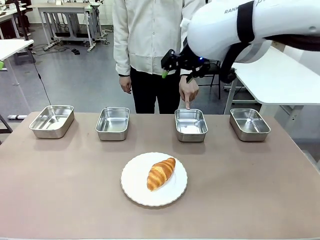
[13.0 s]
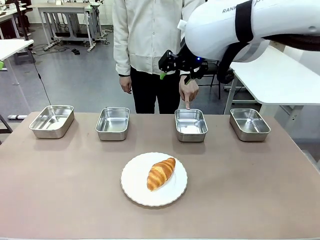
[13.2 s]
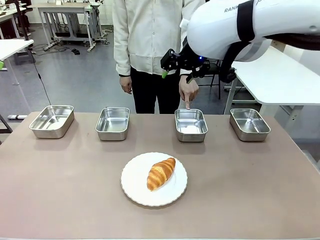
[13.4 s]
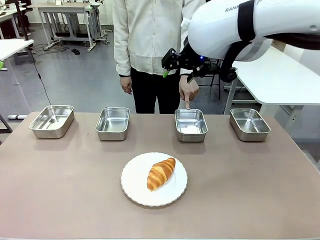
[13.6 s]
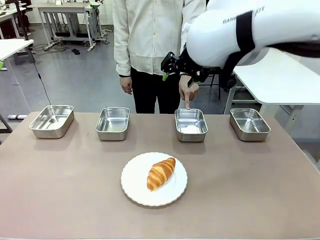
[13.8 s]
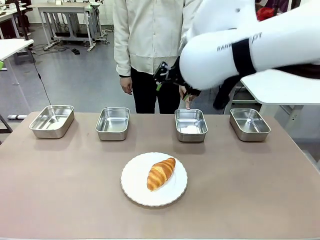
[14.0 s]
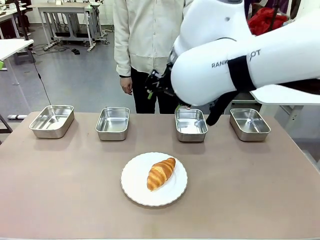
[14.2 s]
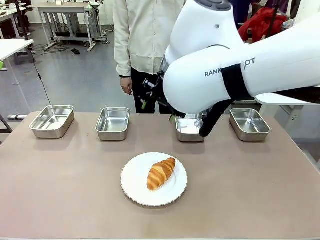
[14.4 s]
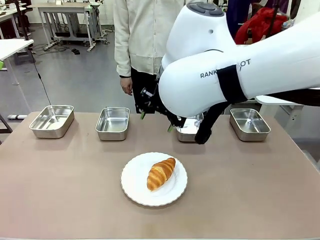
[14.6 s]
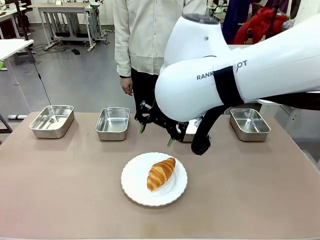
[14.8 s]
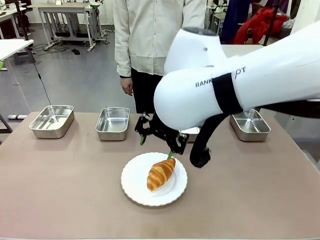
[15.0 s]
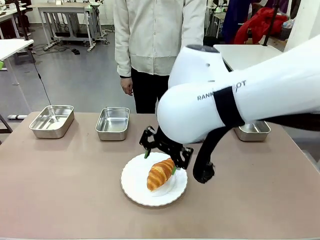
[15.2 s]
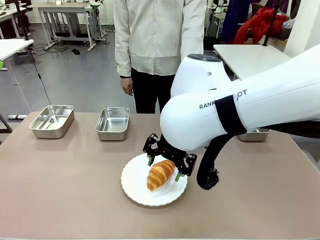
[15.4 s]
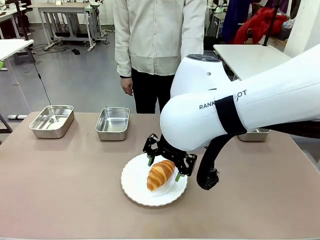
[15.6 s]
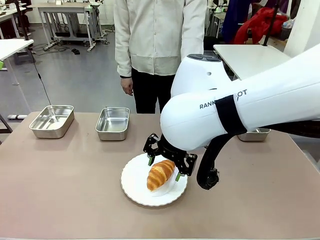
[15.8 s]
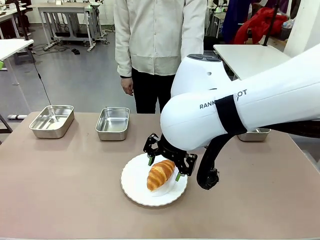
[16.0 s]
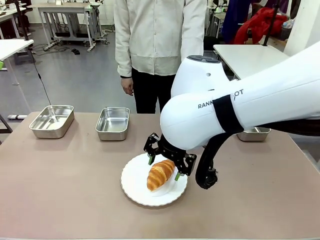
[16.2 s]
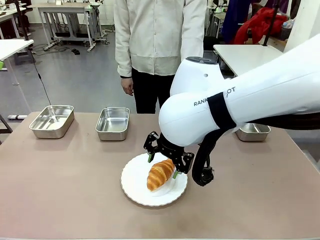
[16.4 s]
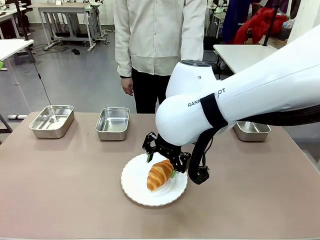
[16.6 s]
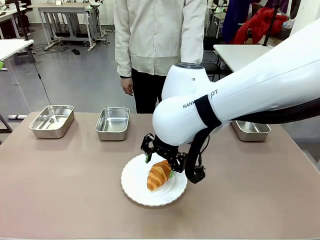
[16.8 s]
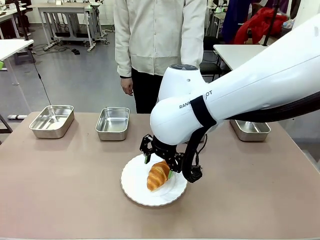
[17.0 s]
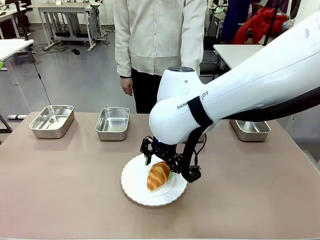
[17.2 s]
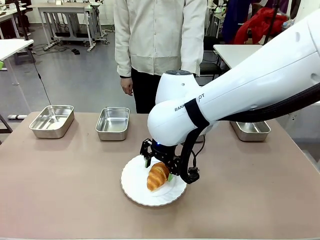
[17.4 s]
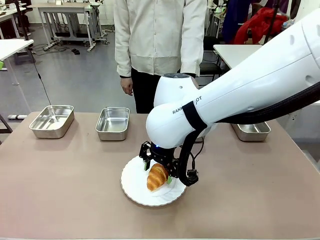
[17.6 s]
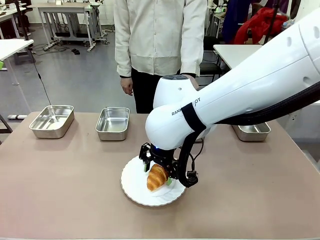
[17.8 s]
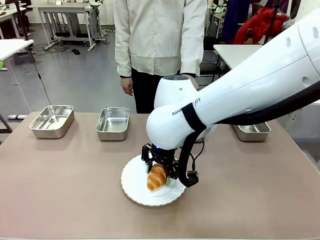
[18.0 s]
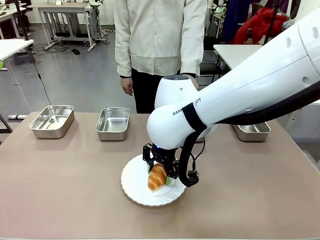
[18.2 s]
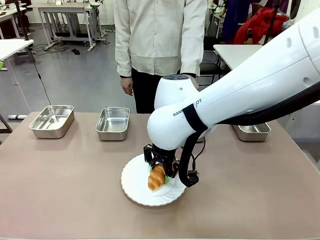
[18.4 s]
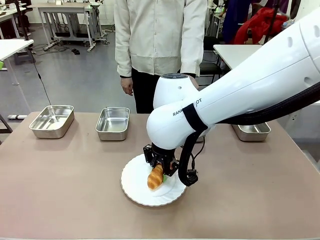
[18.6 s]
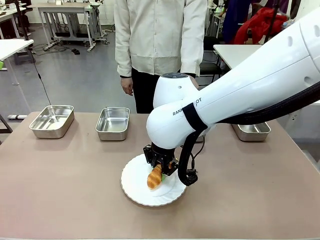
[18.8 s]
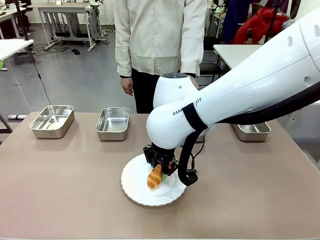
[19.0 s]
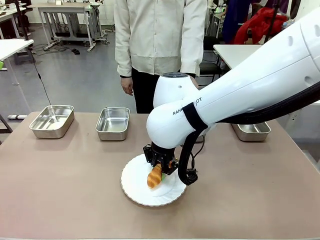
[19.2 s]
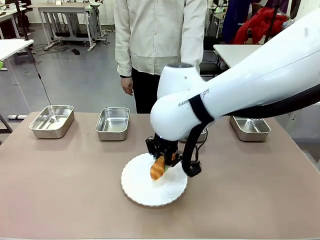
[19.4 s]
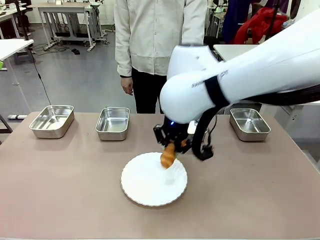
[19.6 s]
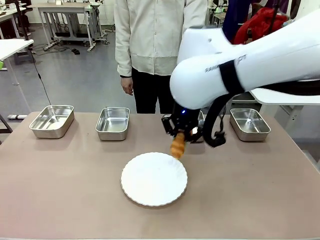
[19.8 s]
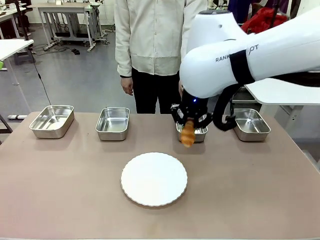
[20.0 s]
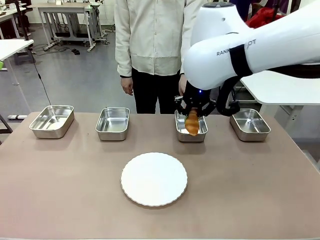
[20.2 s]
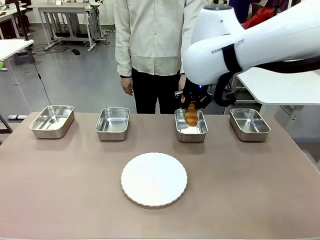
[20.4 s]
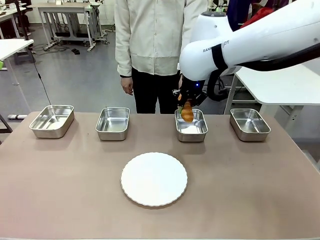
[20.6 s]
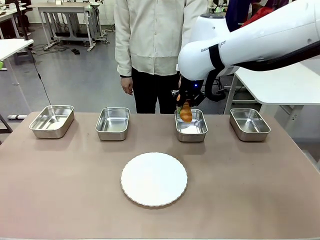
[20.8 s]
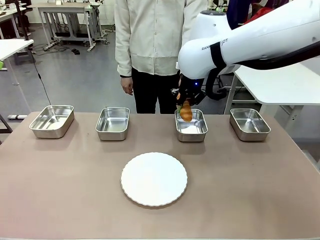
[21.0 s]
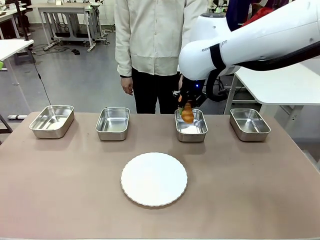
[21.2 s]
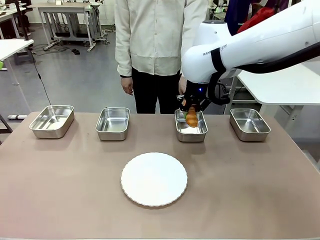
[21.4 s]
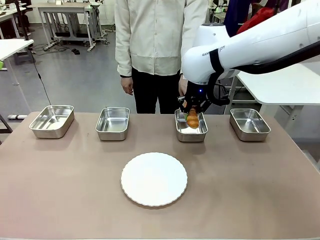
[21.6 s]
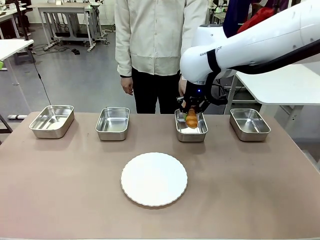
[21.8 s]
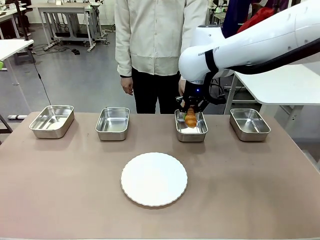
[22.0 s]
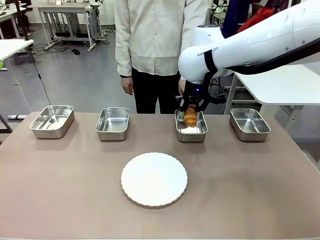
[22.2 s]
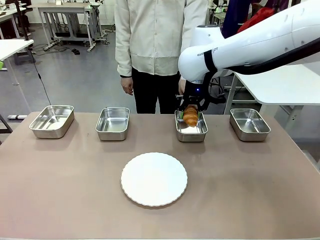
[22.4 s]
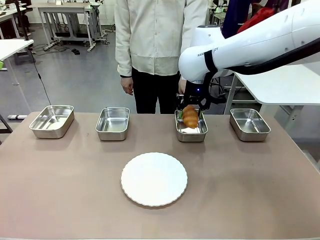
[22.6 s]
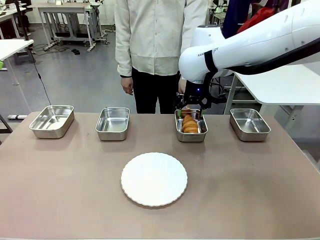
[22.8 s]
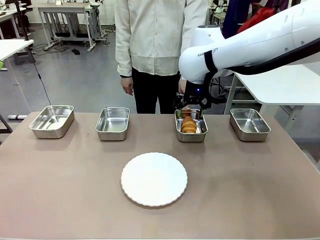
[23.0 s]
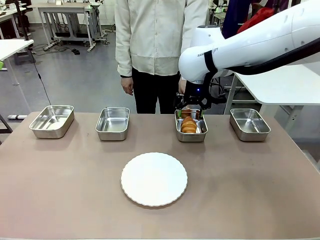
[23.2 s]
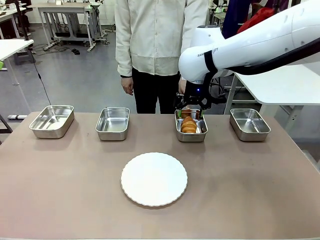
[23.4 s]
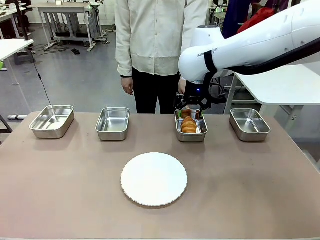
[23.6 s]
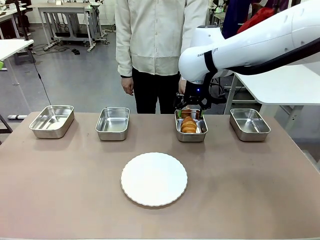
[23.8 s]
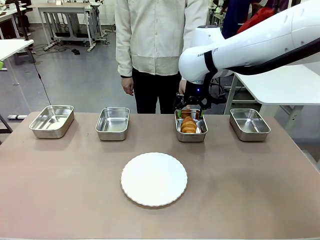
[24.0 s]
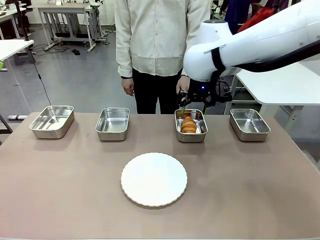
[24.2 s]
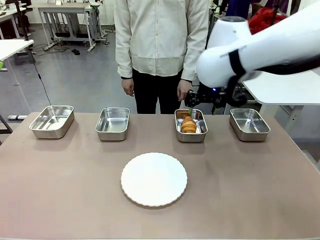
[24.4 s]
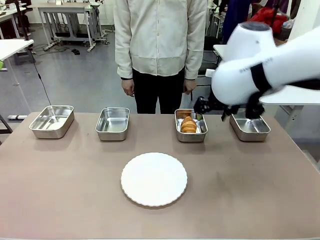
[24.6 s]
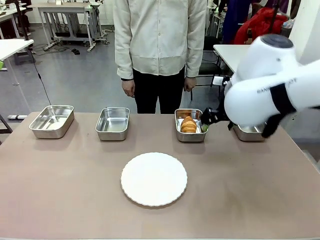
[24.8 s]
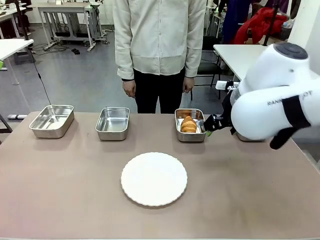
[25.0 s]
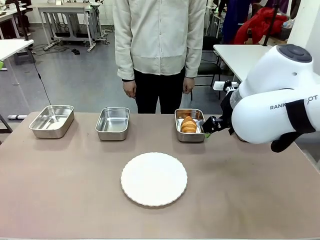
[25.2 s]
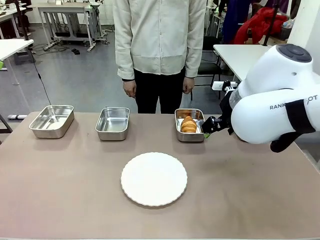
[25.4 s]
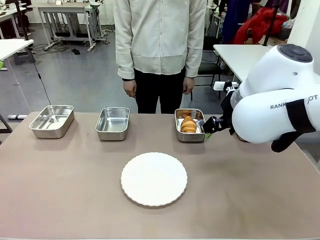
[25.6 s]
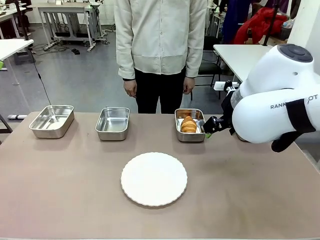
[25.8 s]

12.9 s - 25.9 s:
Task: Place the bread in the container.
Robot: Place the Butter Roll into the Airtight Container indicated by the human.
Person: A person randomly selects and points to an Airtight Container.
